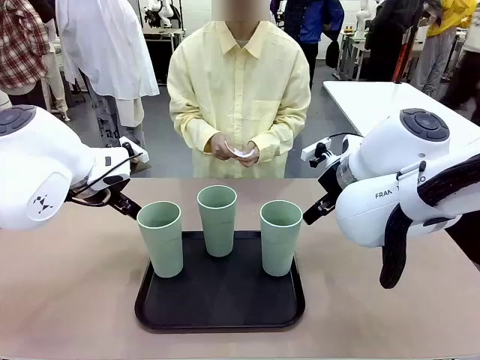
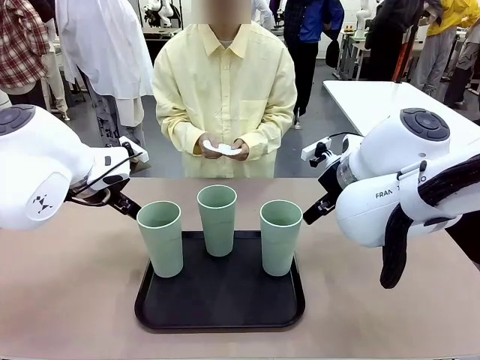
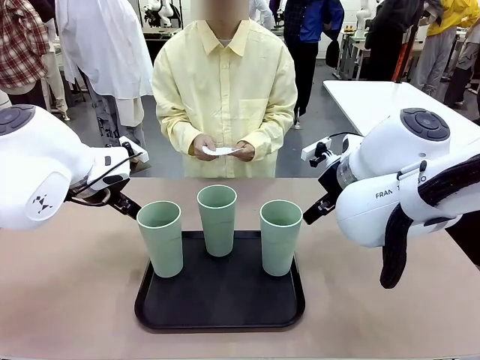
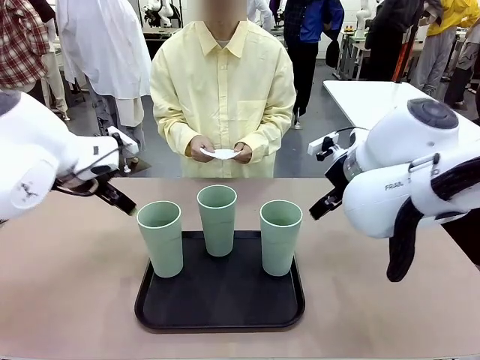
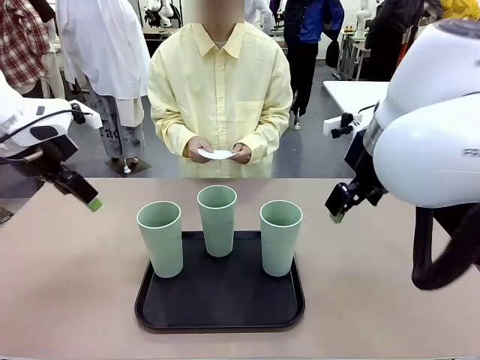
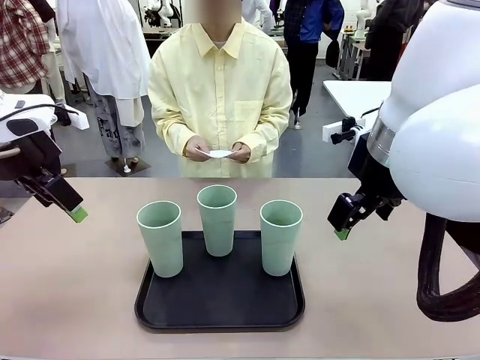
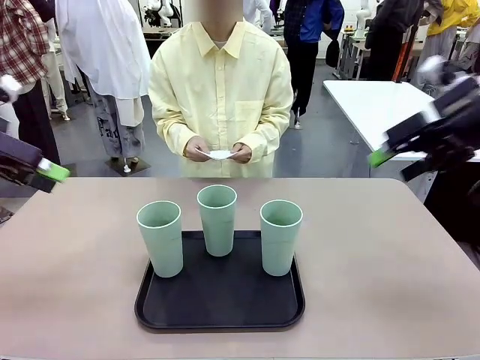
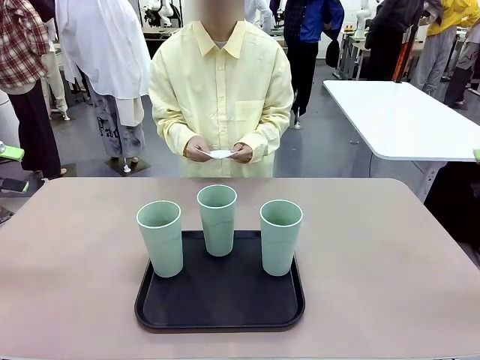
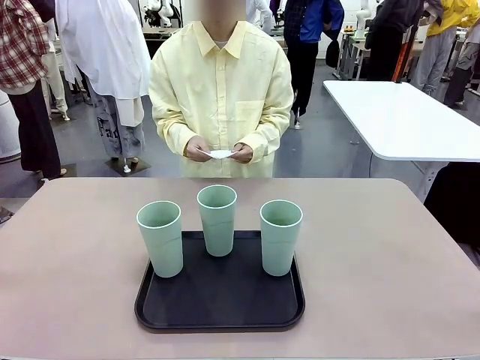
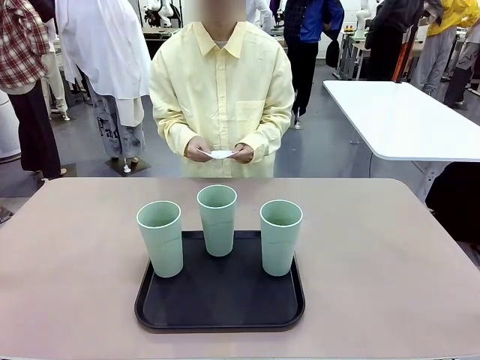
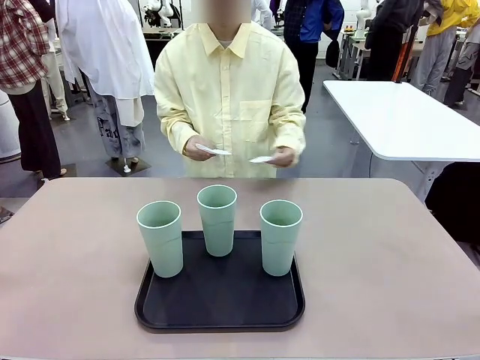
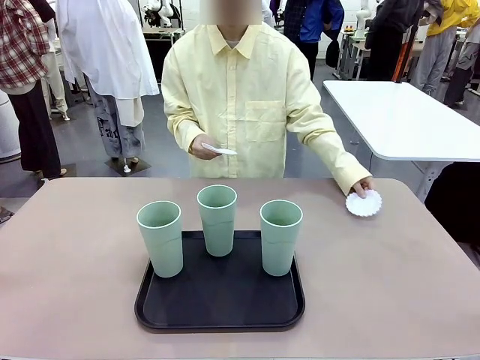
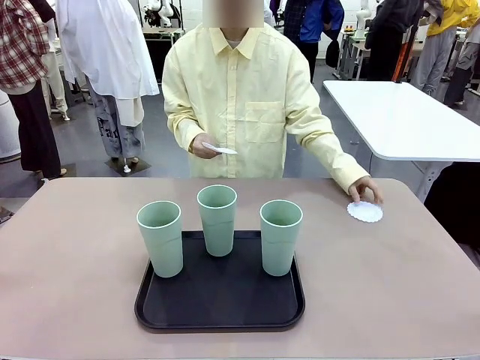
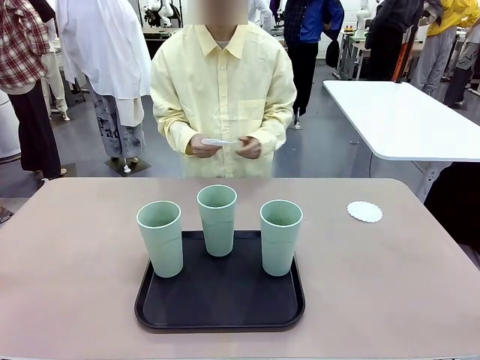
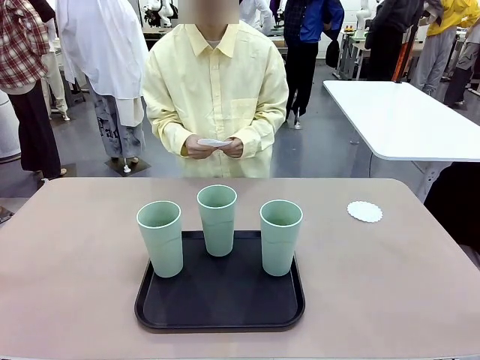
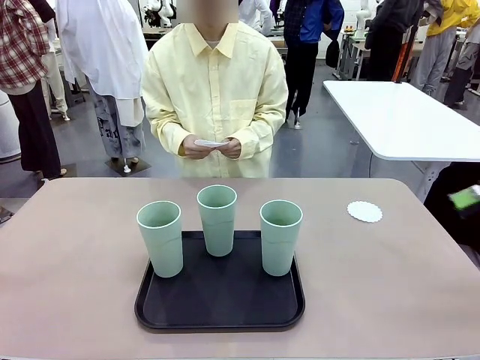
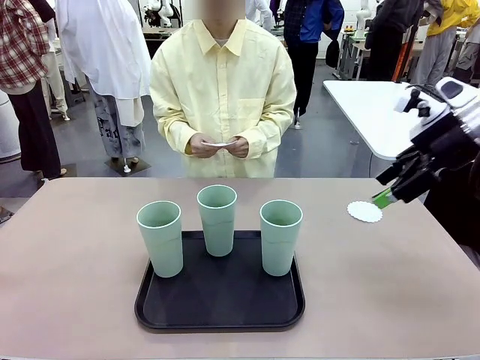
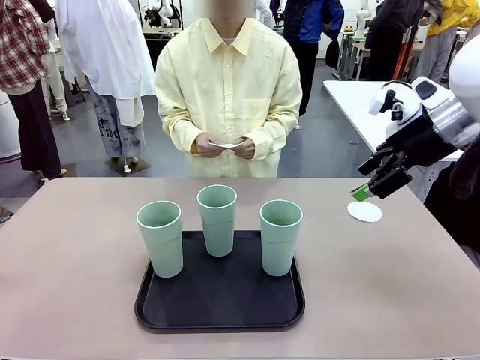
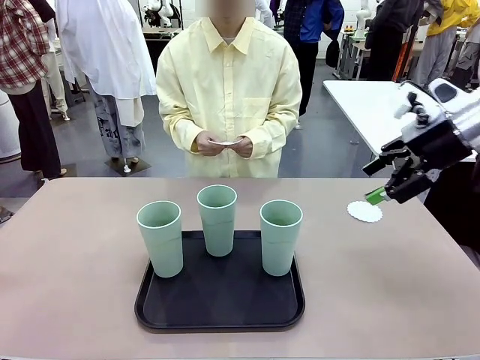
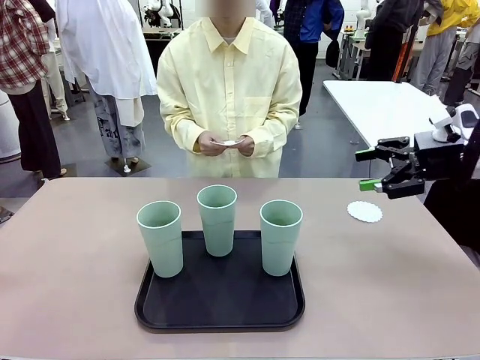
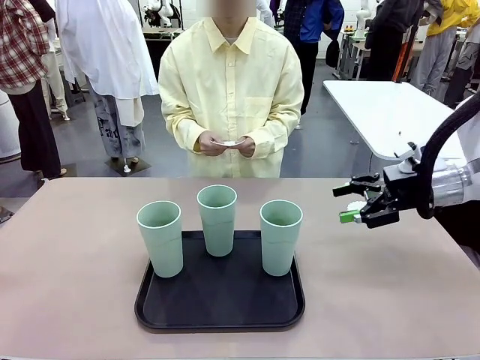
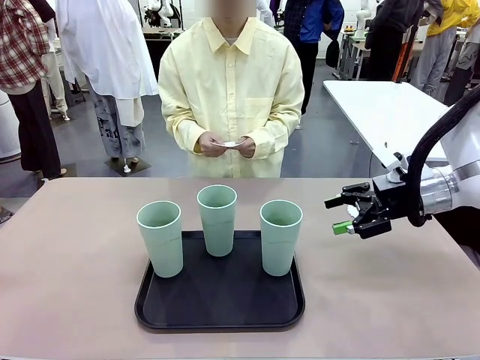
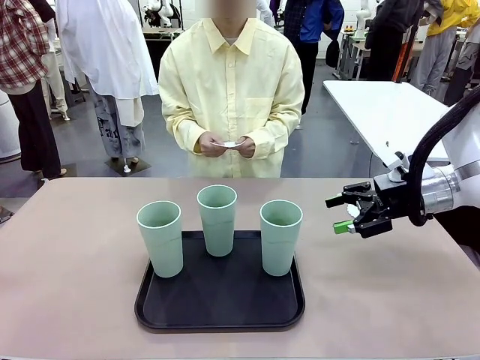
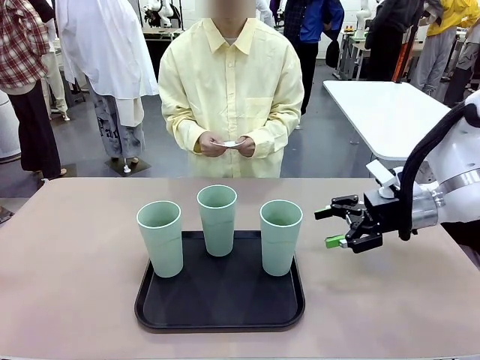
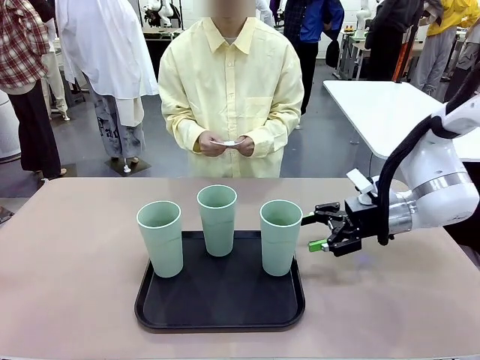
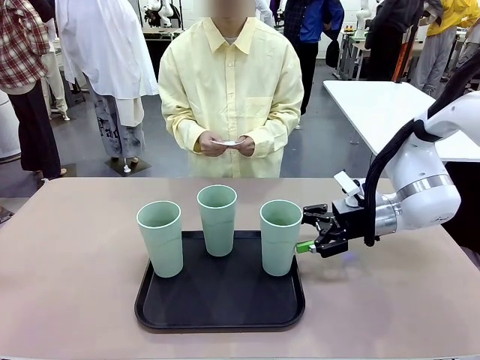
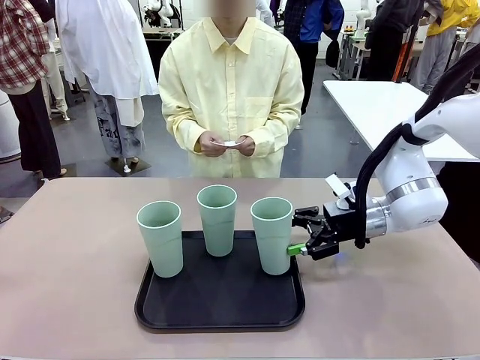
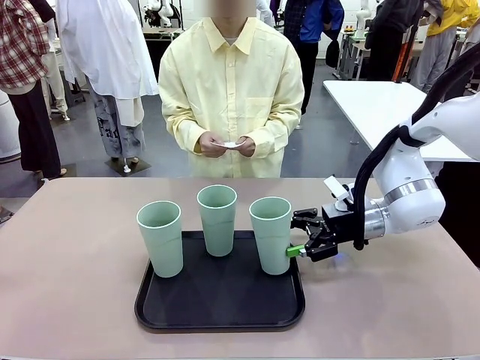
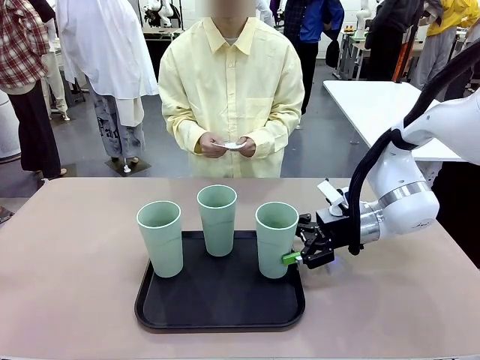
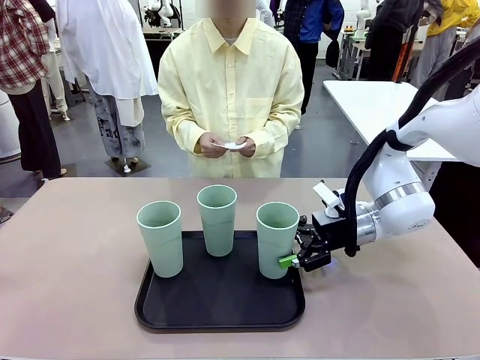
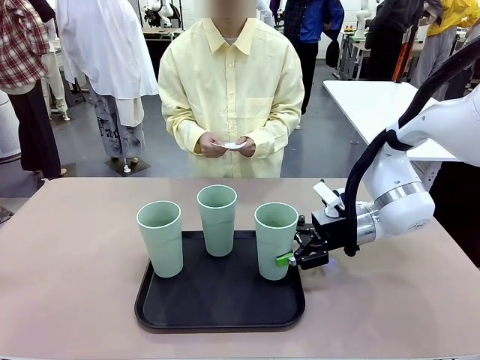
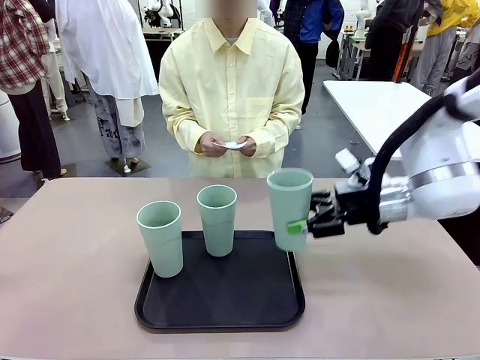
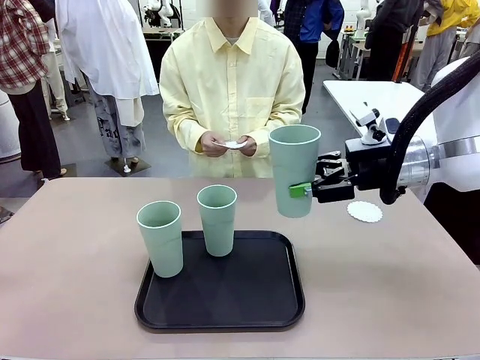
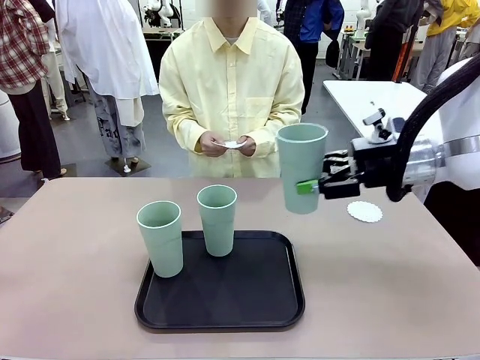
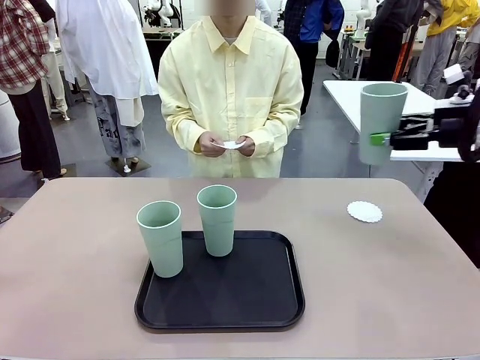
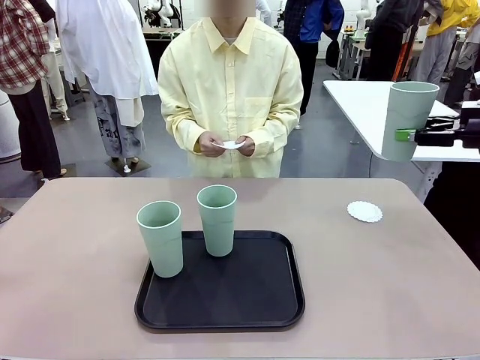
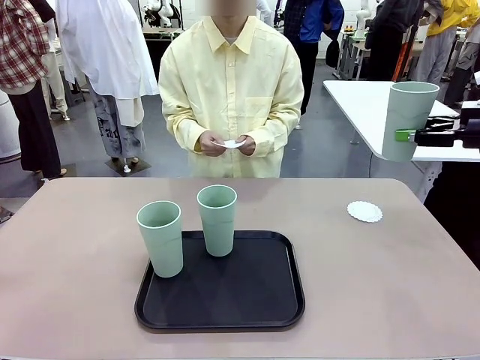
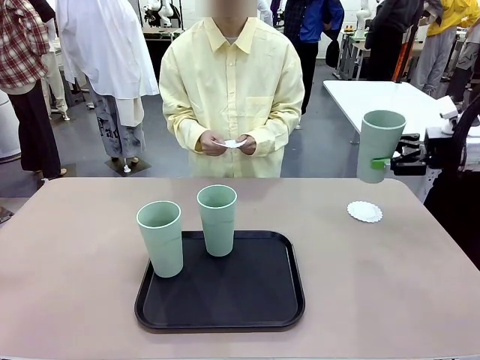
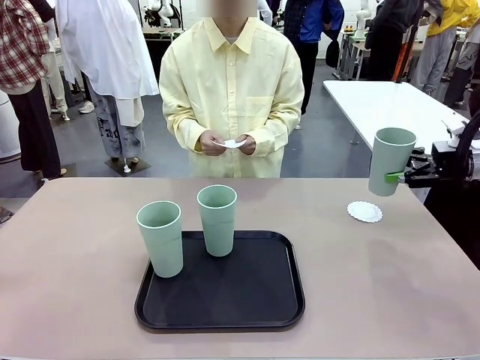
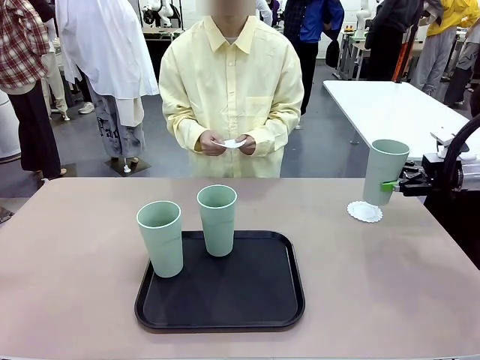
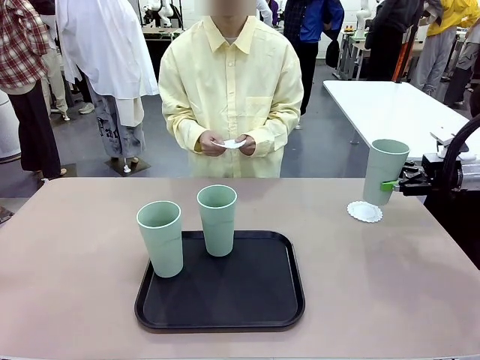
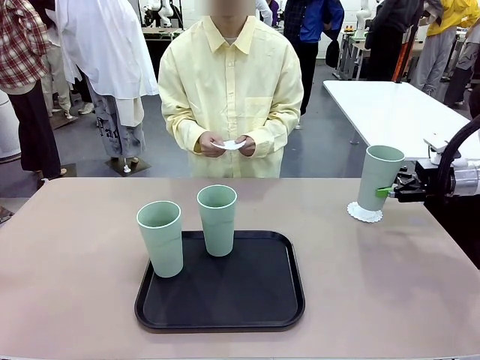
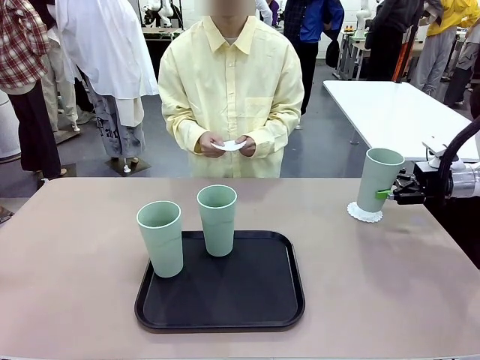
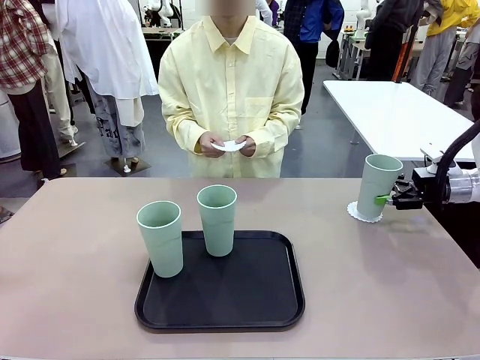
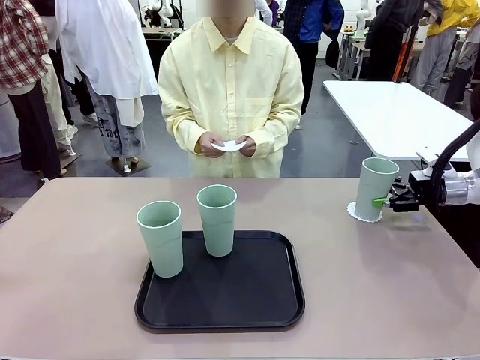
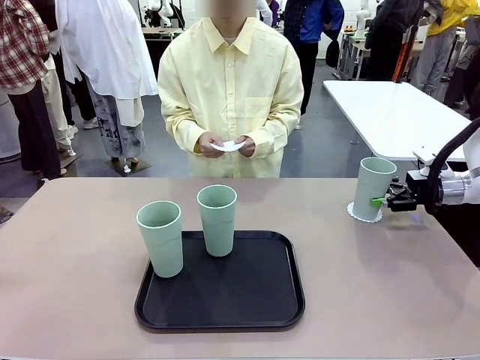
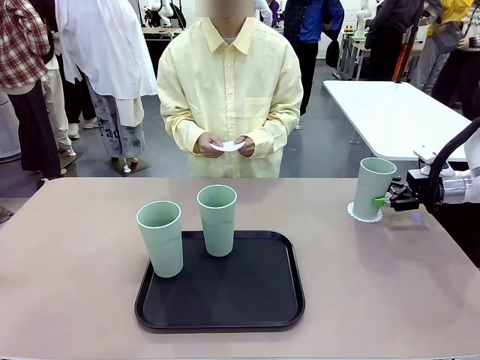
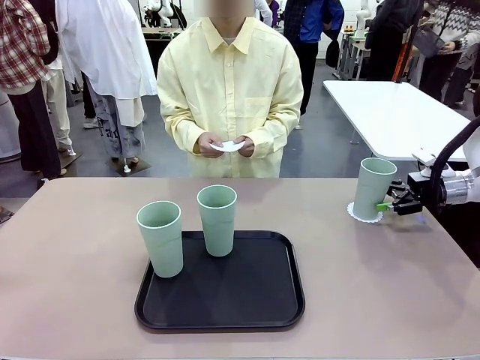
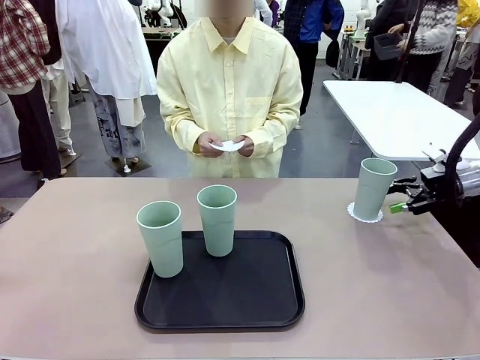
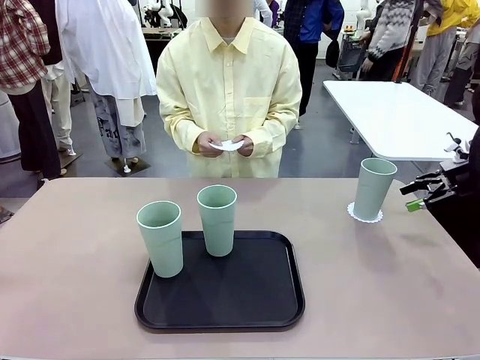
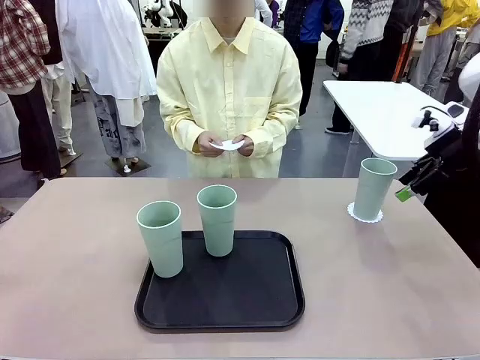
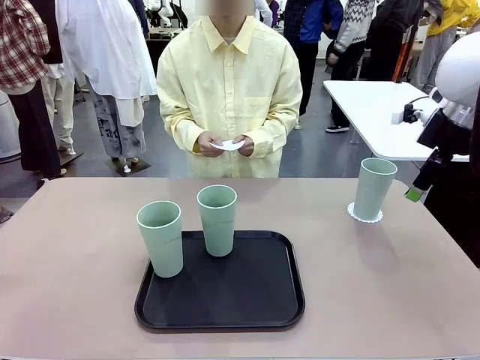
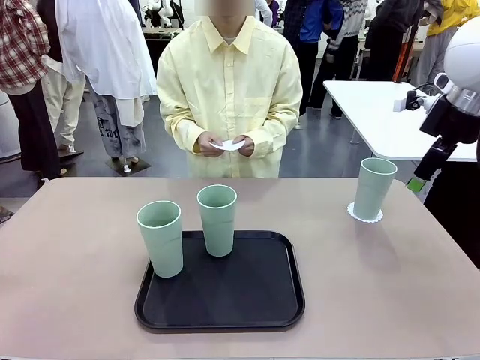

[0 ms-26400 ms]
Task: Place coasters on the table and set cups on them.
Robot: Pick up one Reusable plastic cup and place it on a coaster set by the human.
Person: Place one coaster in any one of the three lower areas of the robot table (left, center, or right). Place one coaster in one of the two areas excluding the previously selected area.
